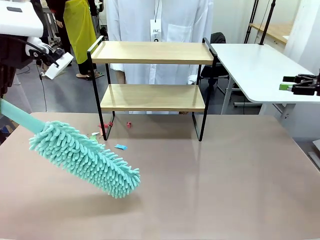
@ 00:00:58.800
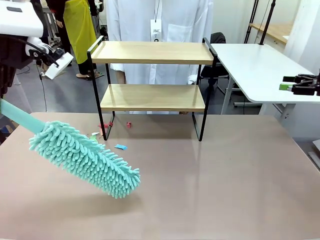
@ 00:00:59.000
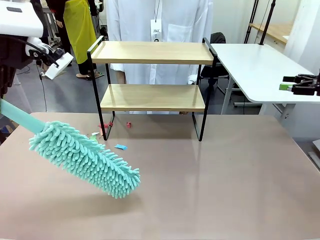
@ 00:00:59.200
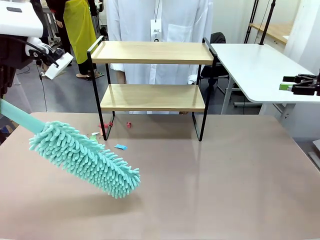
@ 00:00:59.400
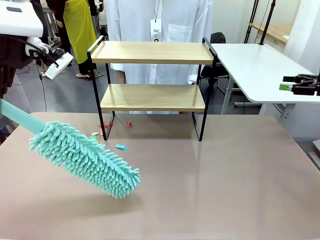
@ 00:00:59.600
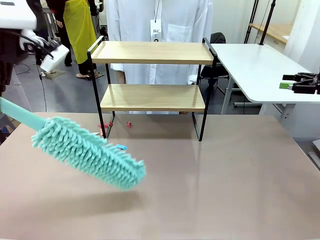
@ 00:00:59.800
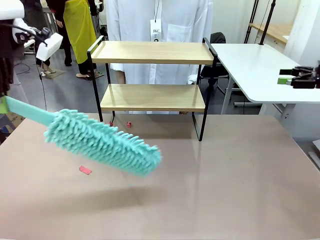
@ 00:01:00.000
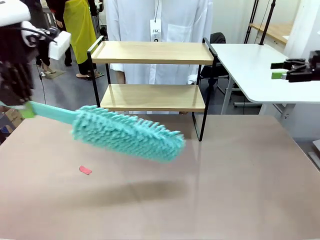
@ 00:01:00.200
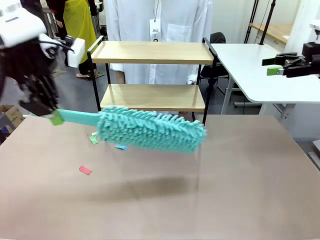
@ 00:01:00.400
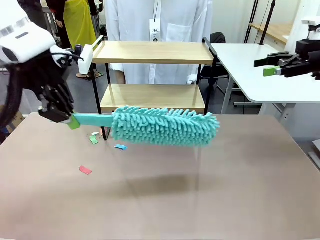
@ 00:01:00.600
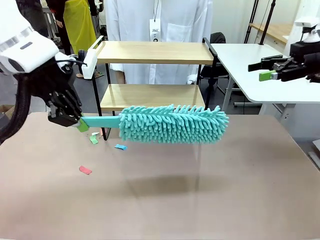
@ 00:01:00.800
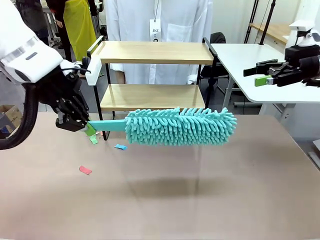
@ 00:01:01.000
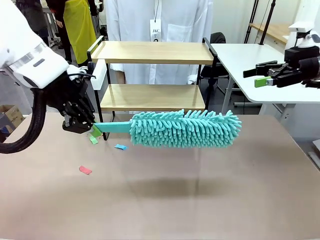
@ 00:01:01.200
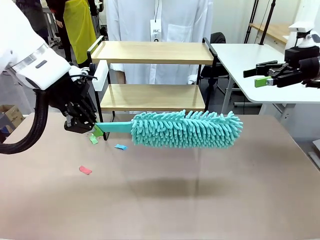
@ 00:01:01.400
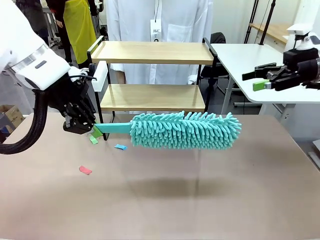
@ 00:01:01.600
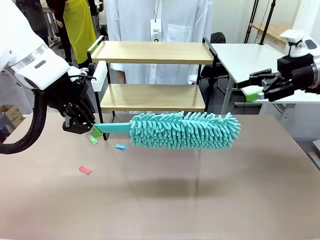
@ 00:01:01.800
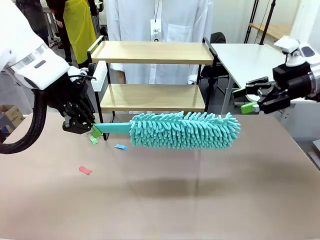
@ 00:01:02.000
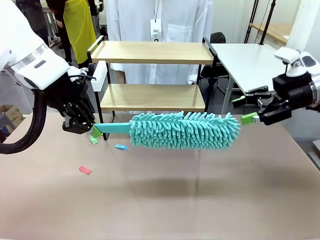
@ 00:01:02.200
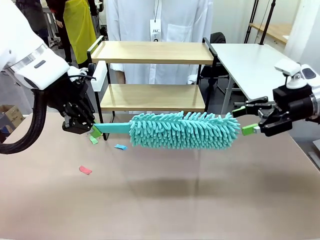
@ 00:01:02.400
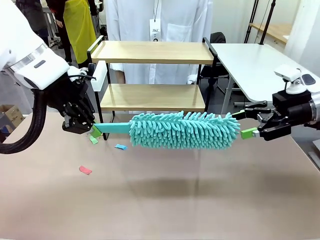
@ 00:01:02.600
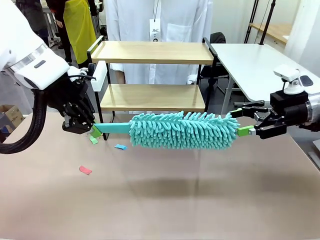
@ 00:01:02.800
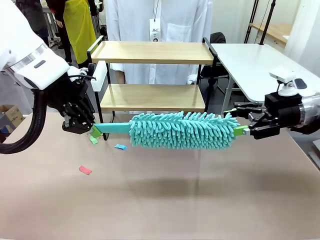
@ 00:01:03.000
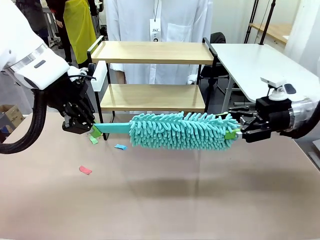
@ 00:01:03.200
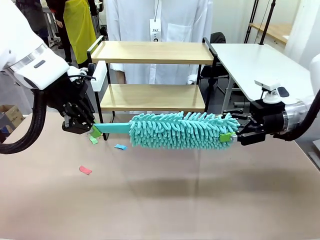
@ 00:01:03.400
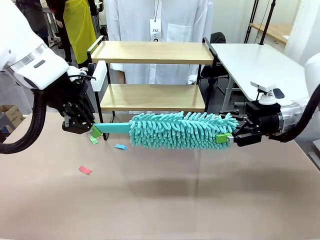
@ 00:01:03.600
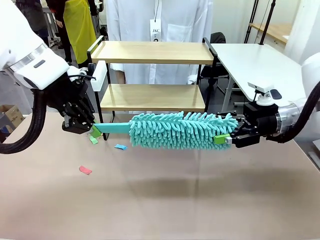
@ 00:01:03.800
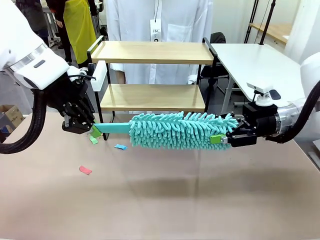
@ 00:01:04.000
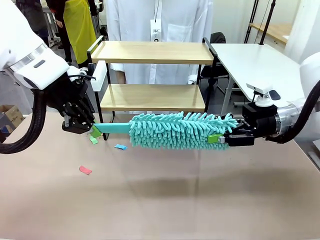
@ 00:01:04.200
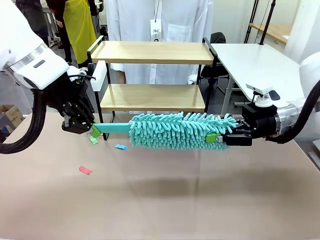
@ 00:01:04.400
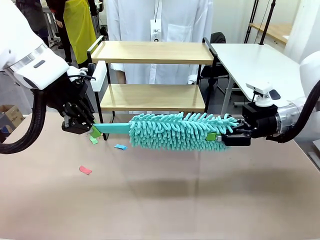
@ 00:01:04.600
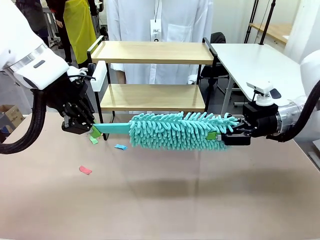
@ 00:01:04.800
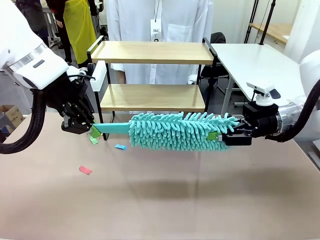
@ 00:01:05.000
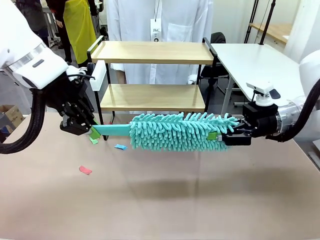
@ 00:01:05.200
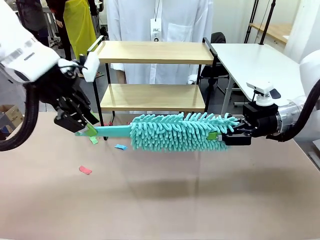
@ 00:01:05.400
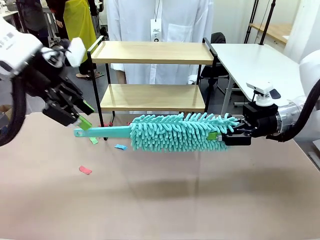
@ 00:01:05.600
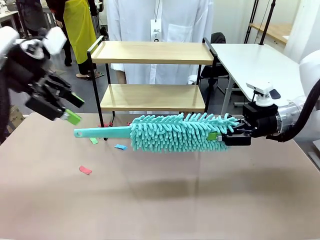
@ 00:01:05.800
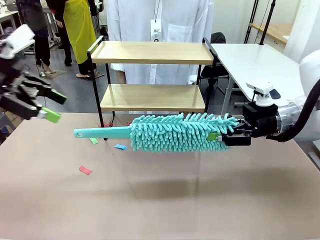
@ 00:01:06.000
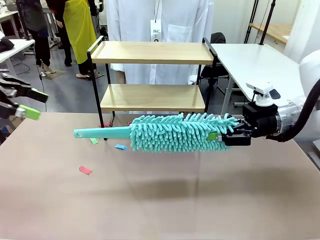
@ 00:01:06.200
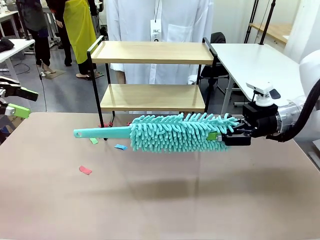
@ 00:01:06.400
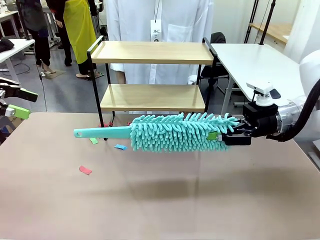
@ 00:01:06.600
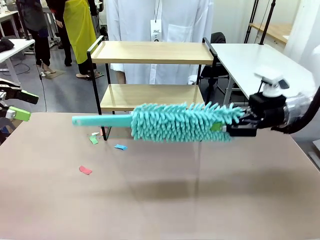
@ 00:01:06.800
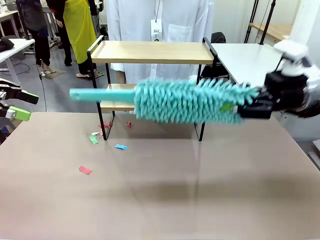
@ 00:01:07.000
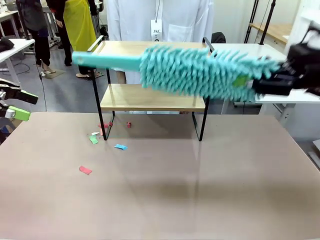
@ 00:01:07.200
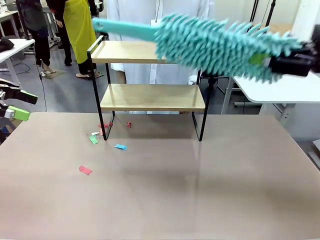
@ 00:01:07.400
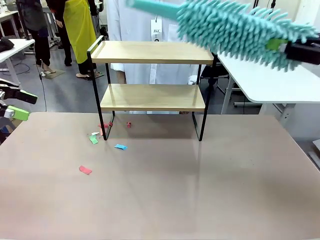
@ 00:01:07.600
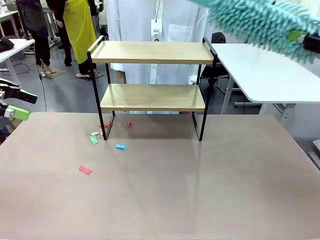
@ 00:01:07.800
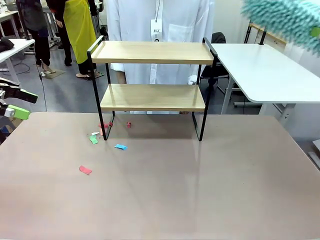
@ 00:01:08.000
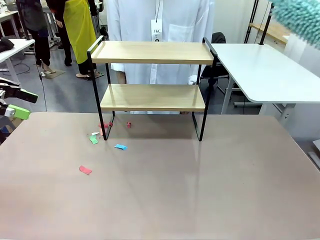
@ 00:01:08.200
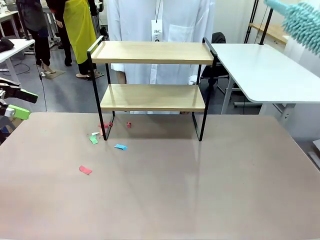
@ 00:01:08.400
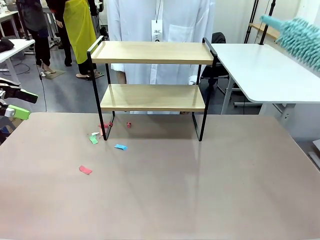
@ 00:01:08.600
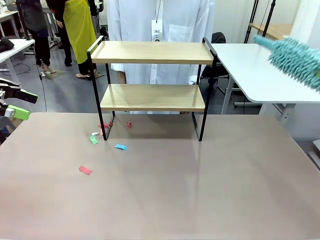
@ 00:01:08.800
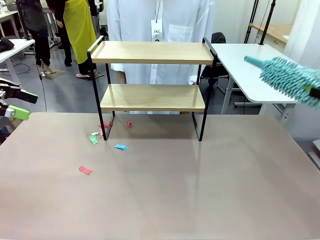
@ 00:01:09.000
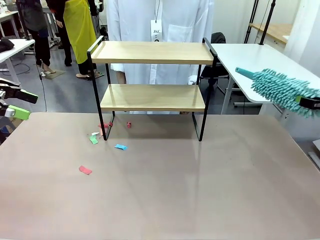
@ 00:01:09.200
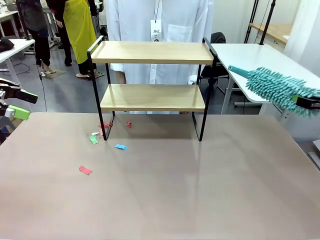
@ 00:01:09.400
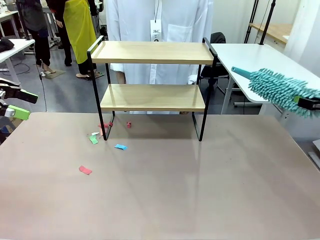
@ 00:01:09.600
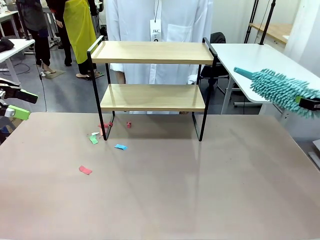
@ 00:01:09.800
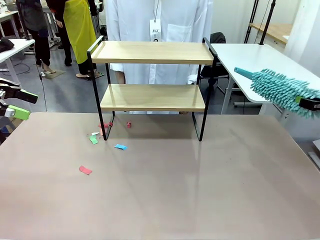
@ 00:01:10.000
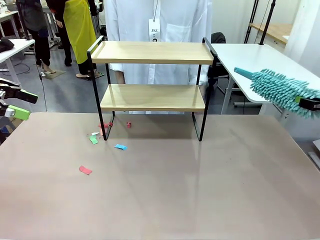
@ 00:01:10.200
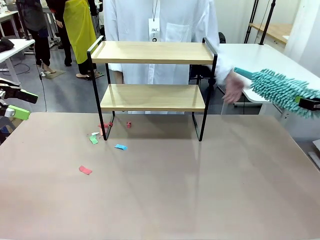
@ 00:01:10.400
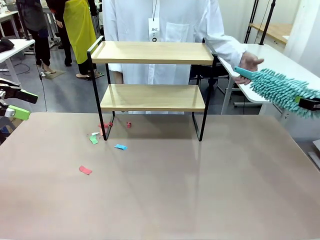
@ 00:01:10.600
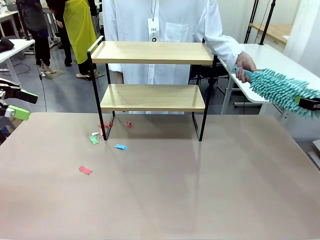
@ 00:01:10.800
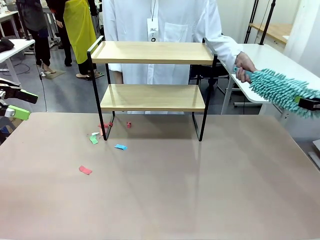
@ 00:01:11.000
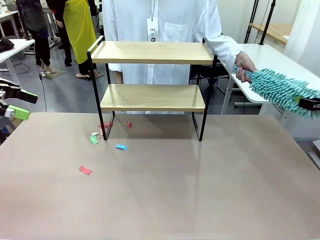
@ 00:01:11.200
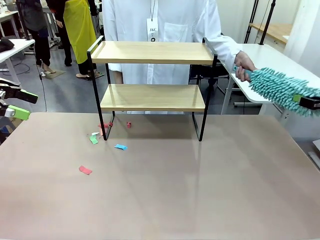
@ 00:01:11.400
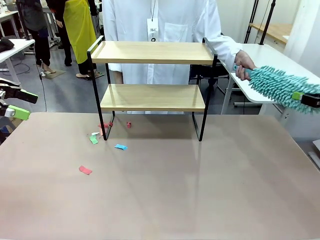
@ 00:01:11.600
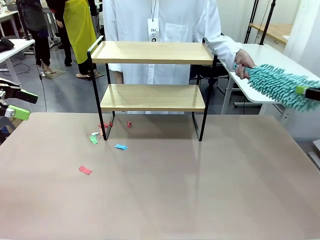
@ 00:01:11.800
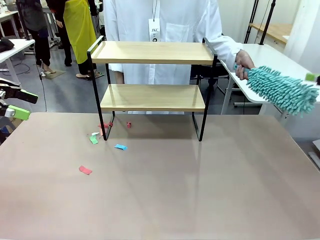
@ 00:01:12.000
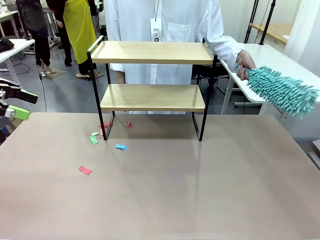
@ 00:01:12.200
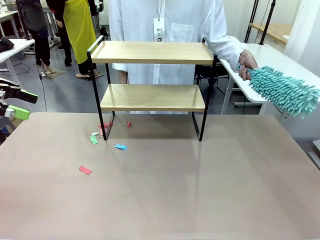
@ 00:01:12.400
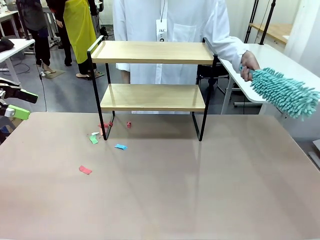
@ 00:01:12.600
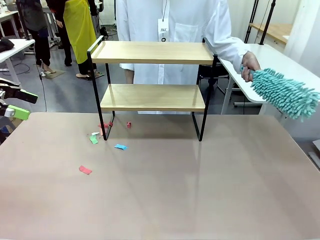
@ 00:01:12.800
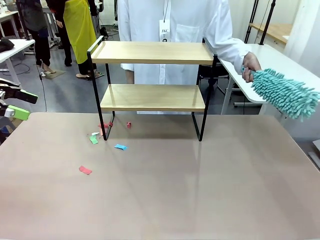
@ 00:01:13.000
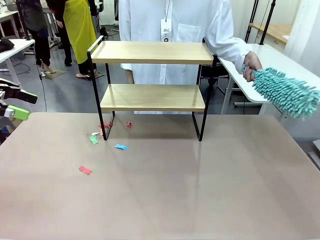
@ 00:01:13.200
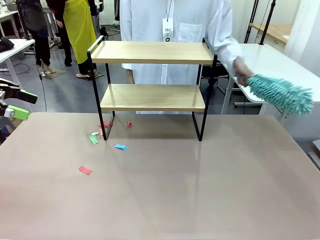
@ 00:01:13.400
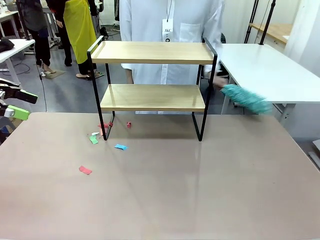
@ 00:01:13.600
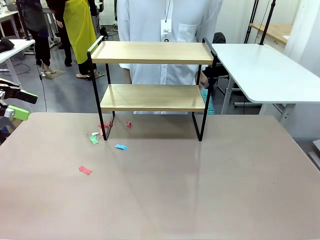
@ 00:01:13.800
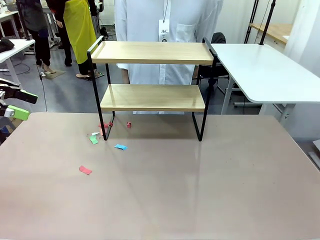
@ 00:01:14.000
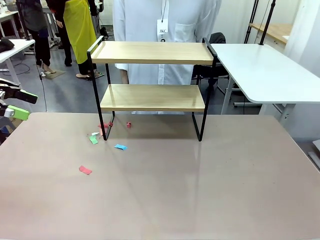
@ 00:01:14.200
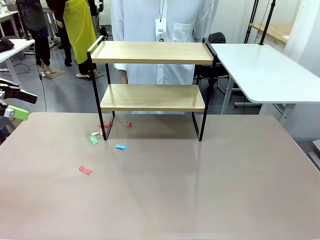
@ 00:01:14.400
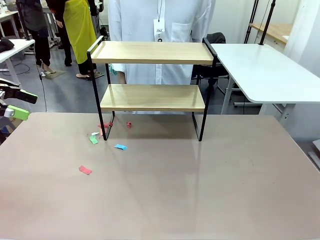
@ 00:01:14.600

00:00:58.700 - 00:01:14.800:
Task: Clean the shelf.
Robot: Hand the Duster back to the human.
Person: Receive the Duster from the robot.

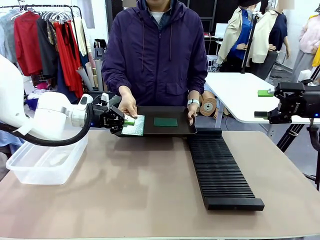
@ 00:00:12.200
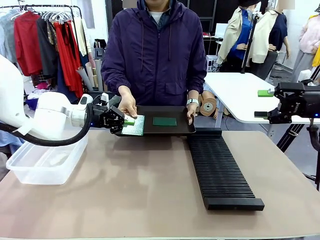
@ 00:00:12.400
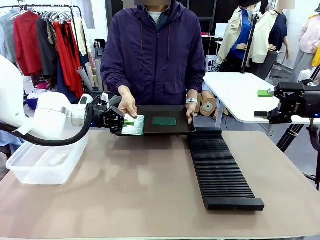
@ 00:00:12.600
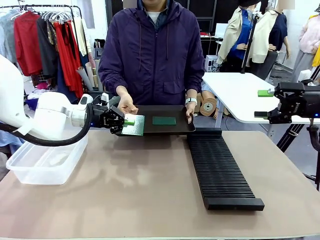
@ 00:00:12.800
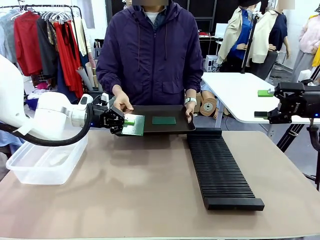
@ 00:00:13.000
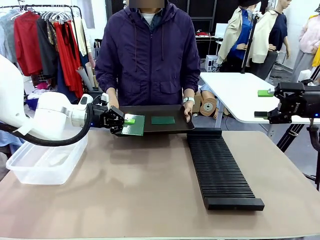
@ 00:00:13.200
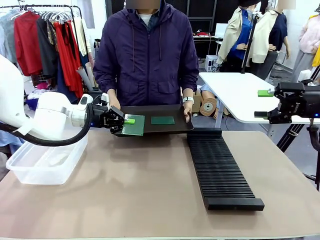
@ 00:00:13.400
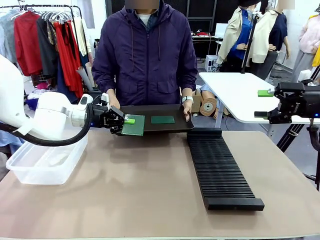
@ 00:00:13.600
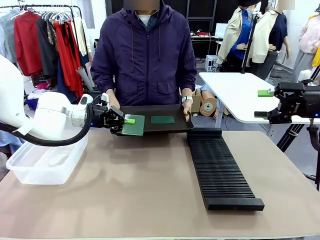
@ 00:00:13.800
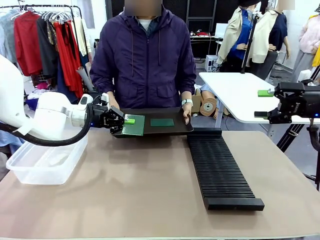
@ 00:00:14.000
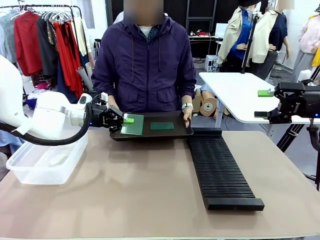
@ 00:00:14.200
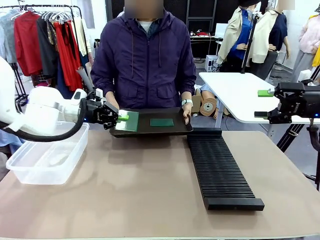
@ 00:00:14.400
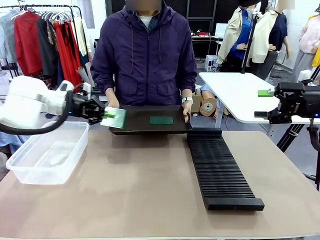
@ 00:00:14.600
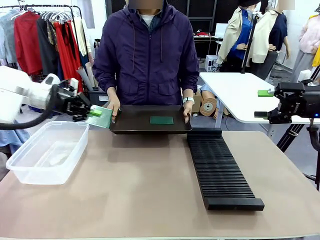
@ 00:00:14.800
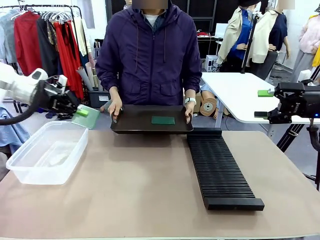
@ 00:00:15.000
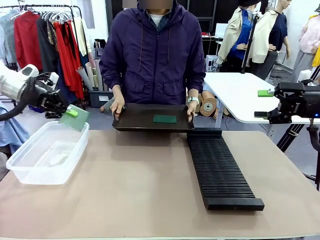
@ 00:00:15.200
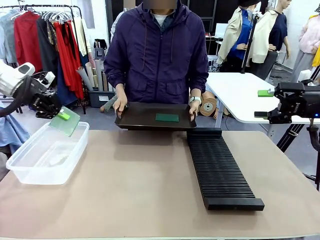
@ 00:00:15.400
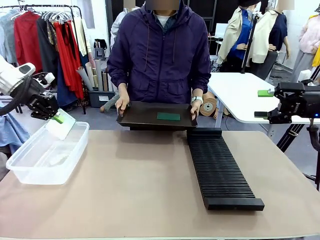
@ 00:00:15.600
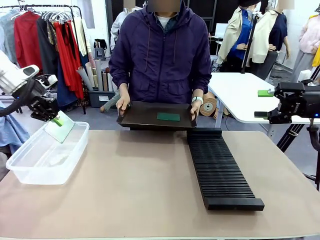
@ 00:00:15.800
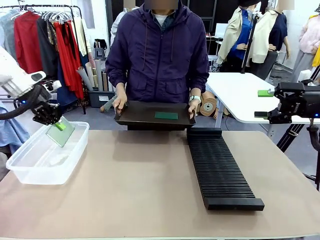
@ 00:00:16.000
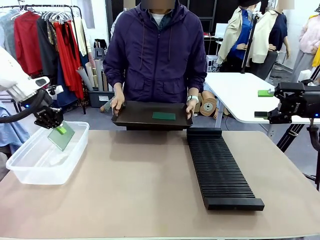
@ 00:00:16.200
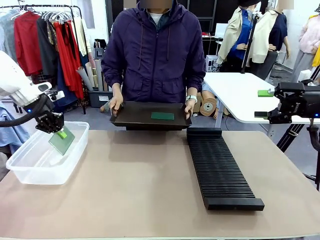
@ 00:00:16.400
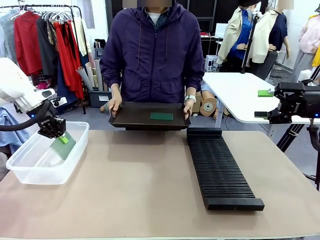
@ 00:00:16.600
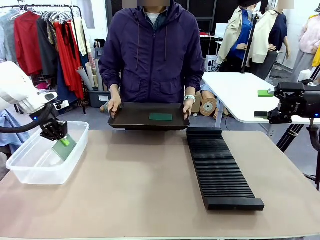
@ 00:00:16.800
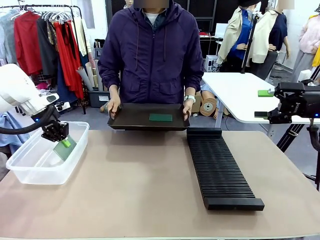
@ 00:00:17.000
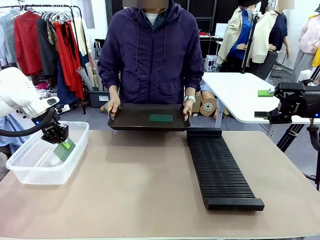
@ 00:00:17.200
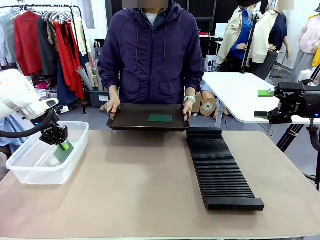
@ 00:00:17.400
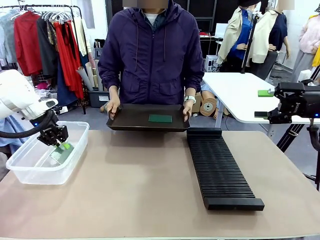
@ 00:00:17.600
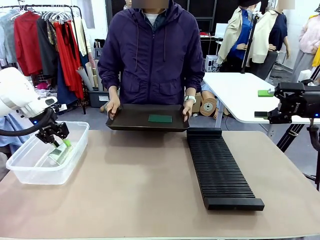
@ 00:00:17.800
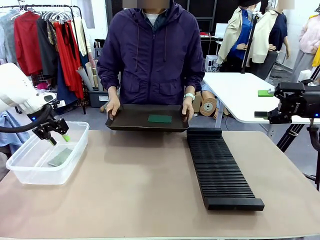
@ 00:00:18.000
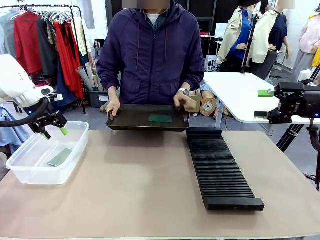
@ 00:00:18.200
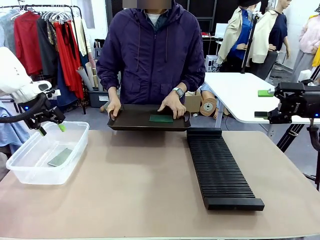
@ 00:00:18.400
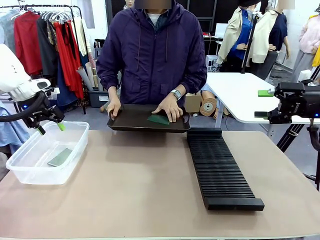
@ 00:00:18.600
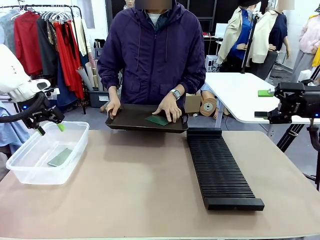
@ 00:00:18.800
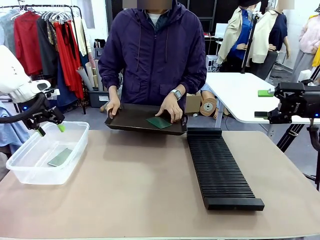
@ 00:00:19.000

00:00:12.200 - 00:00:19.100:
Task: Sort PCBs into racks and boxes based on the side picked up.
Robot: If the short side of the Blank PCB is picked up, insert it into the PCB Rack ; if the long side is picked up, place it in the Organizing box.
Person: Pick one PCB from the tray and present it to the robot.
